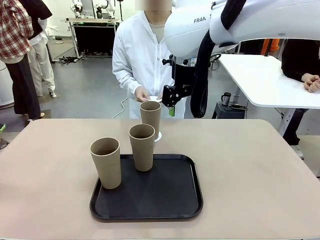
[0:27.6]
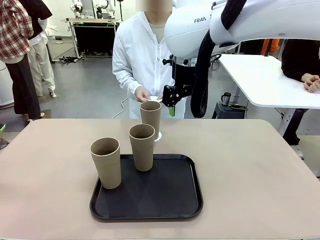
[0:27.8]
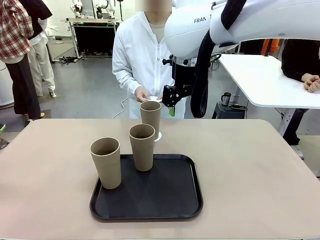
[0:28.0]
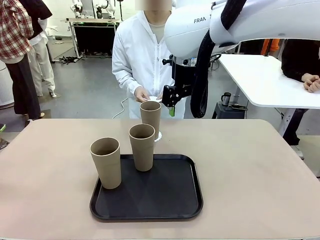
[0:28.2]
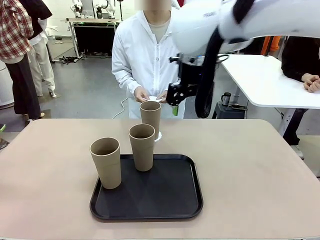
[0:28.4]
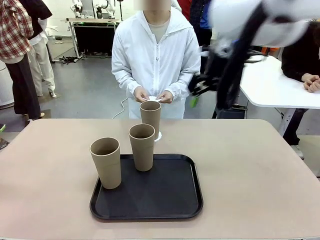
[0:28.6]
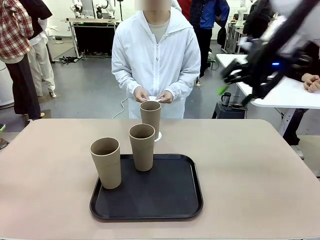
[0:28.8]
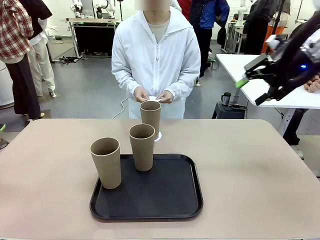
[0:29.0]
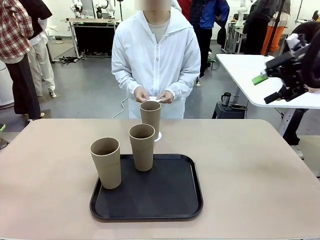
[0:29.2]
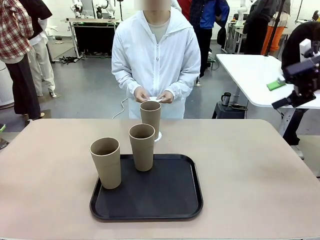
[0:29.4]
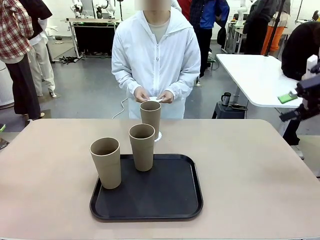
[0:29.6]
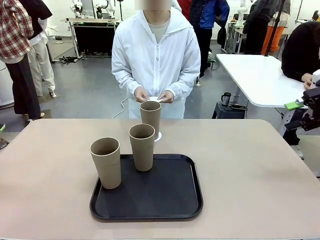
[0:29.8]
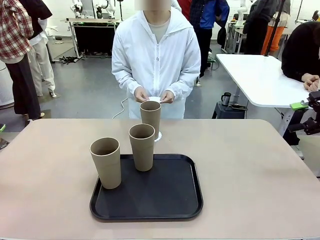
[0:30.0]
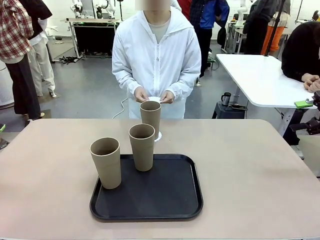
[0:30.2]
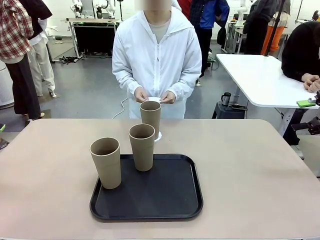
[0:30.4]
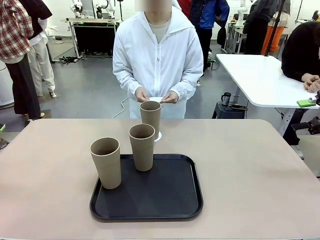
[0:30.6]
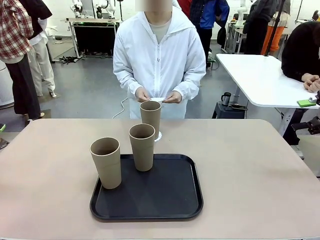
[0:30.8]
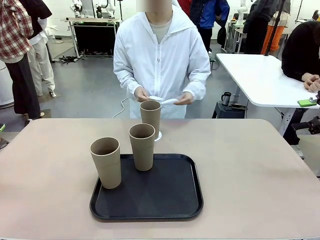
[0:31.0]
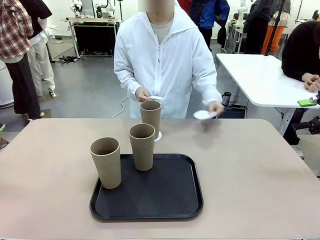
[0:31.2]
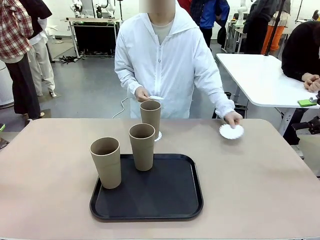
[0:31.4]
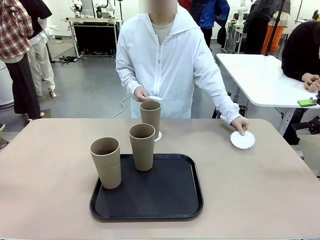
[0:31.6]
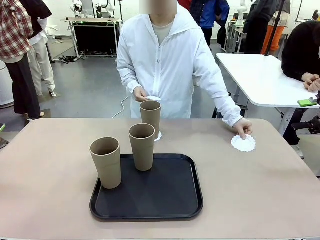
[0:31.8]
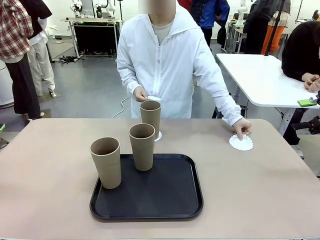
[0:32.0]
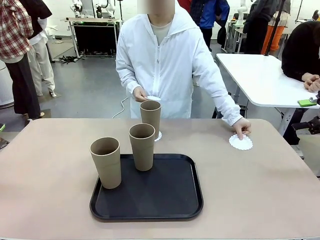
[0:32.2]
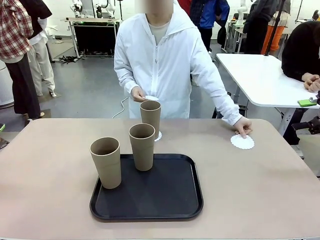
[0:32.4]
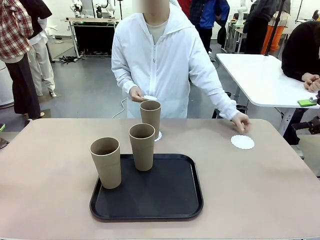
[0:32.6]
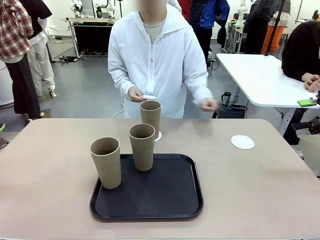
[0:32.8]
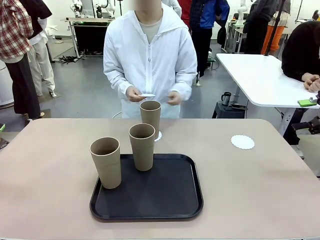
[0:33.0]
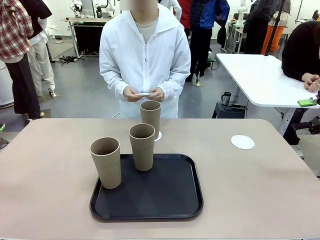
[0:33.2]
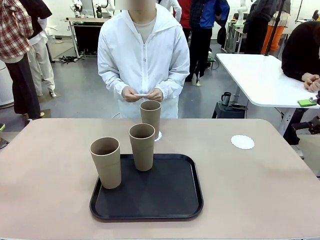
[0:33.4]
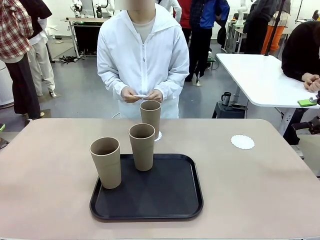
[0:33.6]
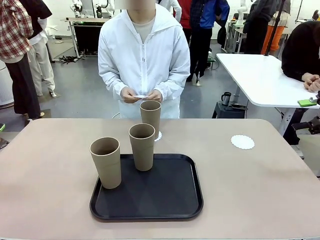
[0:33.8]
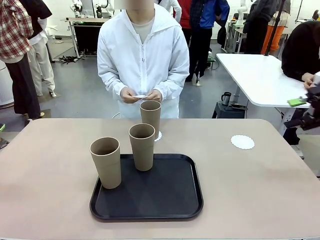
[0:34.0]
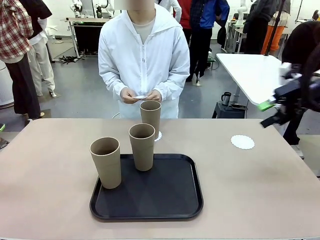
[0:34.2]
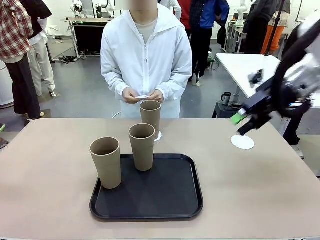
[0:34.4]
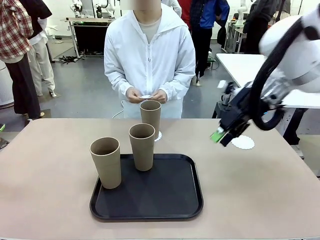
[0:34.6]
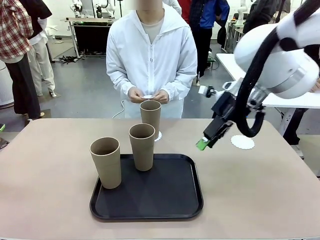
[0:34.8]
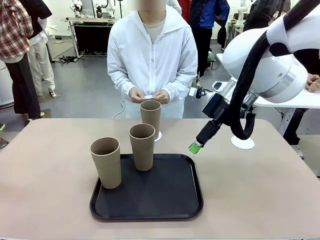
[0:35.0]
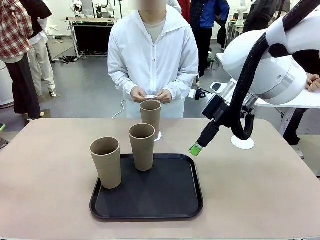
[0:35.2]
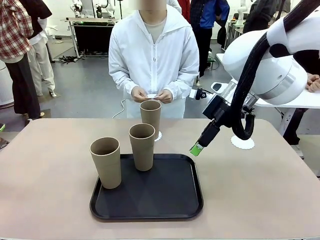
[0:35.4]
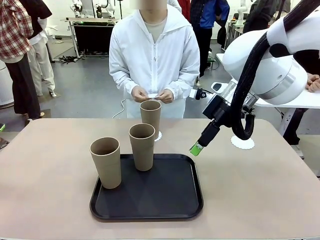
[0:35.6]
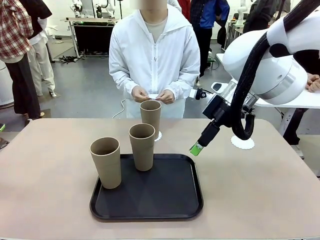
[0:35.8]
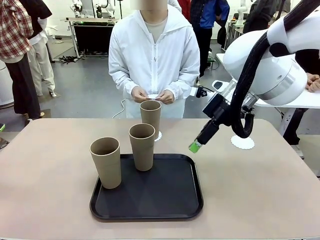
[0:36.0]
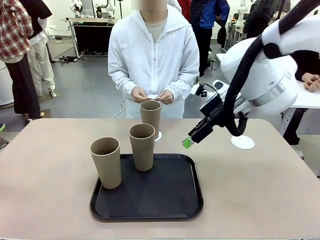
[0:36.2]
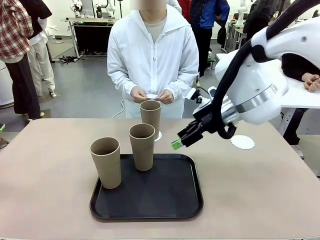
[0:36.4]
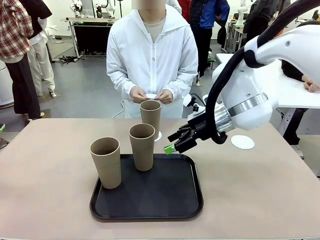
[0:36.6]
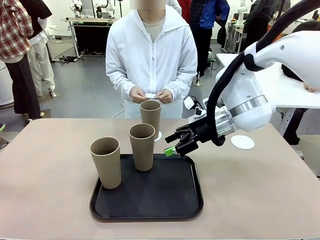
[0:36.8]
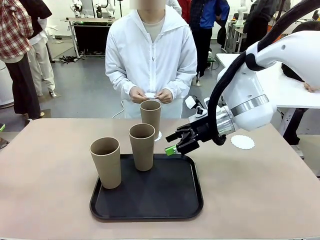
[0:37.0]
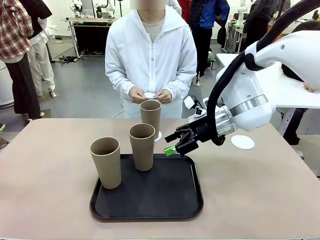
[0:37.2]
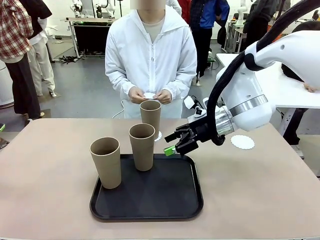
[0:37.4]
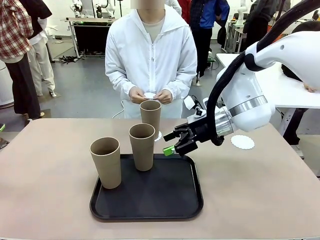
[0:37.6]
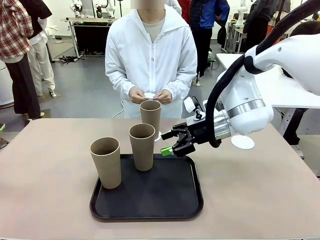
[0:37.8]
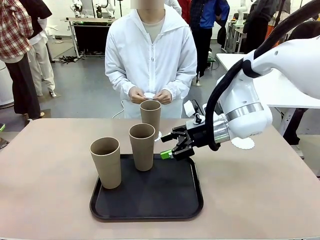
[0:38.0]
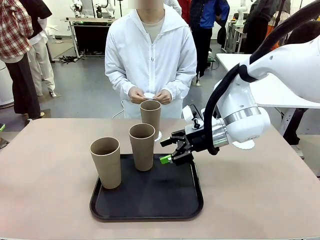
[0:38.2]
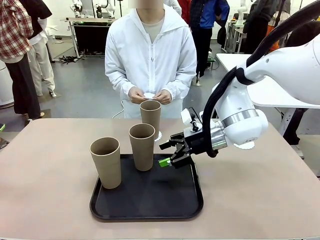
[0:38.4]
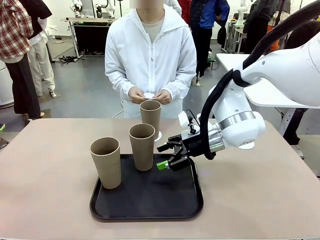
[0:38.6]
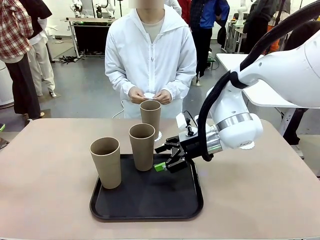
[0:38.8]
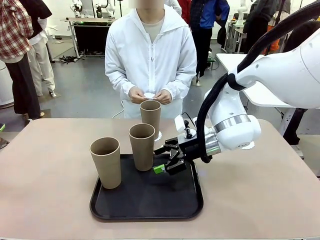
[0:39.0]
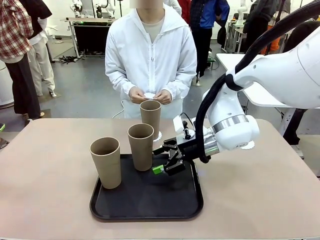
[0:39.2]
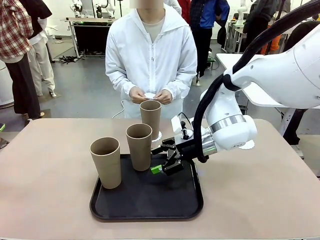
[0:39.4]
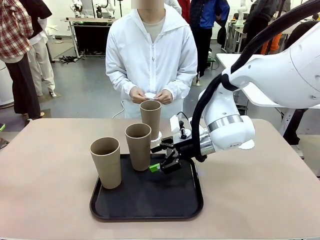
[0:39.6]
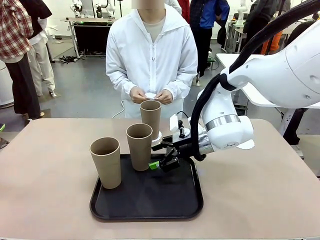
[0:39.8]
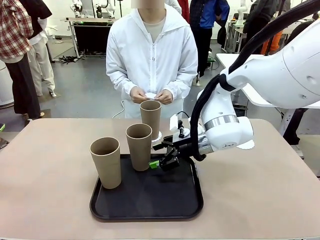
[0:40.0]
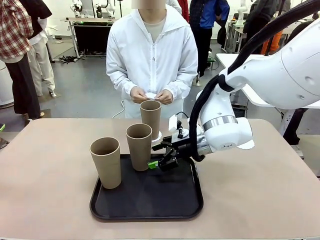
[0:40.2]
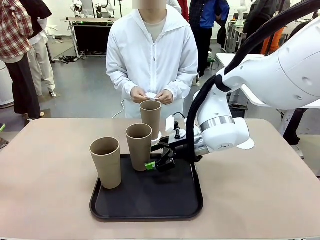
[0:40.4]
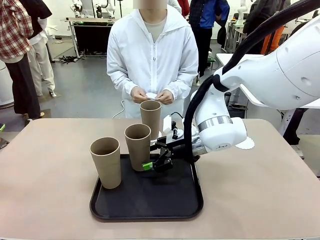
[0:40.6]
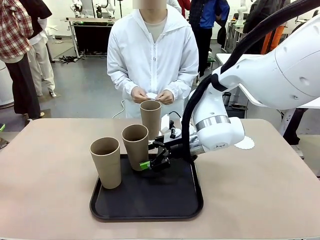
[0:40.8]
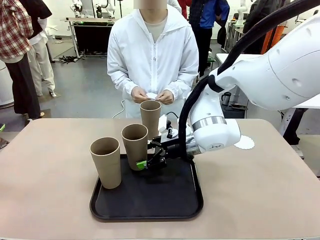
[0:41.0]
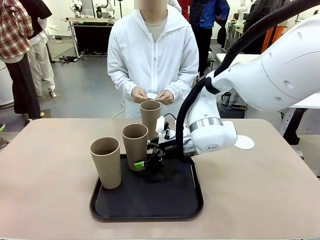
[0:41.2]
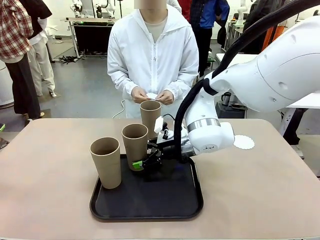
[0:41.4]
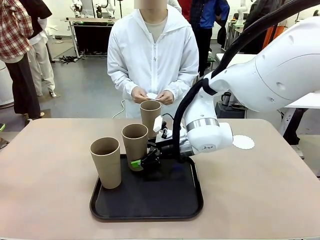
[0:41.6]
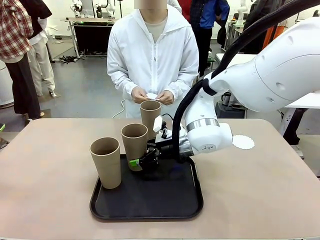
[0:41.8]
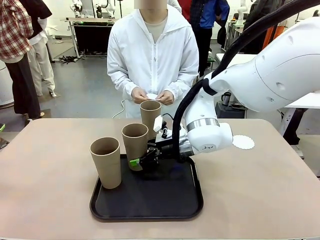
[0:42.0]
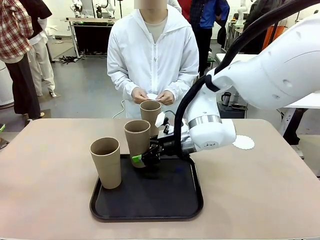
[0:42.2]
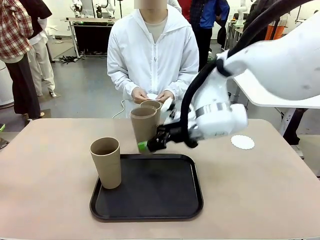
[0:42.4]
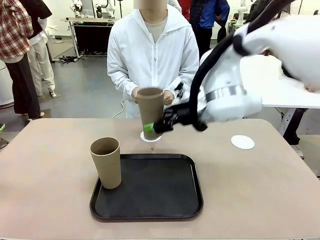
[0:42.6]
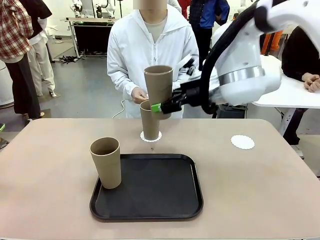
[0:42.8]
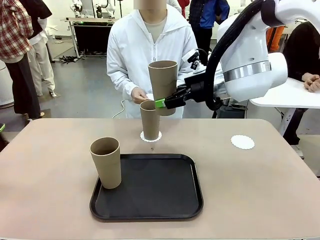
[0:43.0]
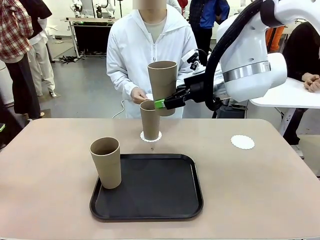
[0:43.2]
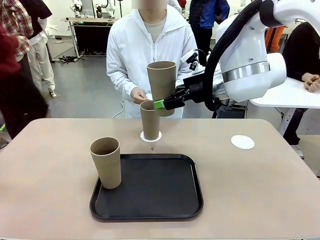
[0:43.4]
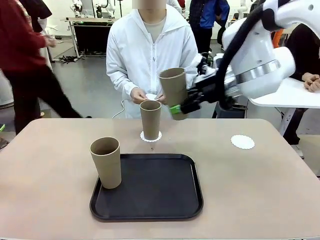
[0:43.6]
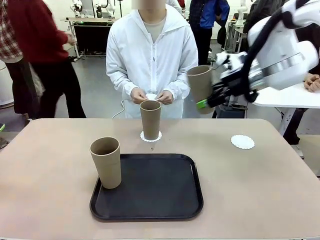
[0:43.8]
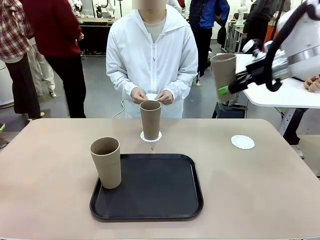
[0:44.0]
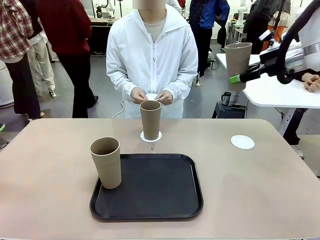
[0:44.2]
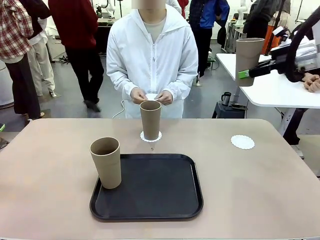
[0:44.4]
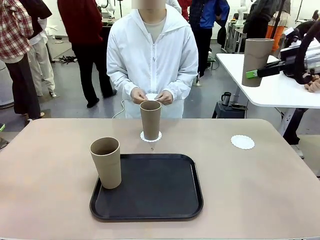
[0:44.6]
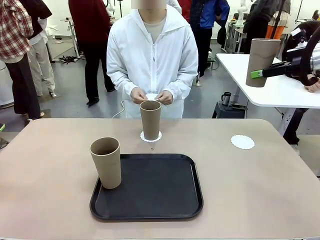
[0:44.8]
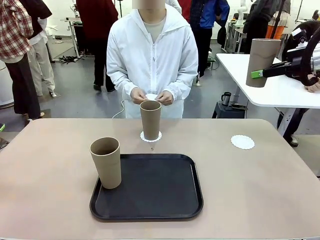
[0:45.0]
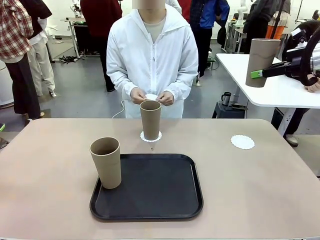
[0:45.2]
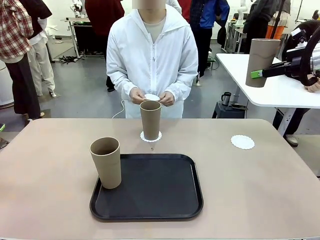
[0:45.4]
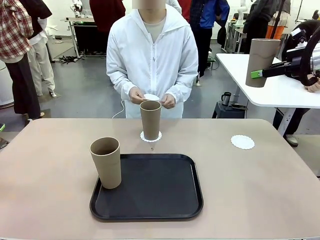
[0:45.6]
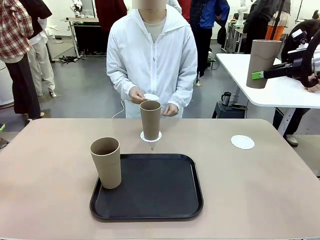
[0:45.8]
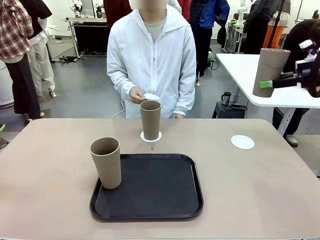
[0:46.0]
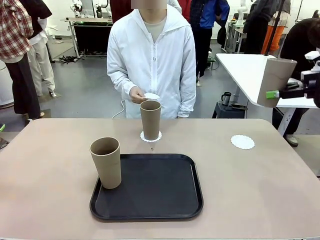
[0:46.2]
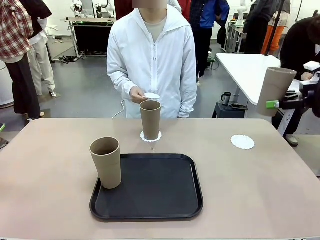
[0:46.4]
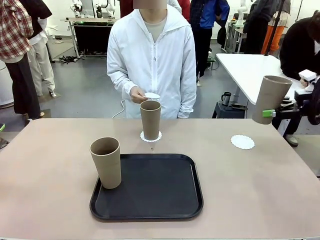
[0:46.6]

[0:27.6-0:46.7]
Task: Place coasters on the table and set cups on them.
Robot: Take one Reusable plastic cup from the Flat Tray and place it on a coaster set by the human.
